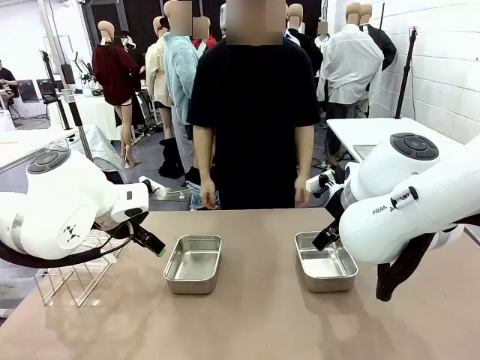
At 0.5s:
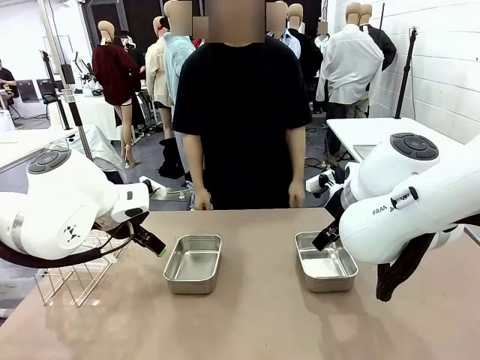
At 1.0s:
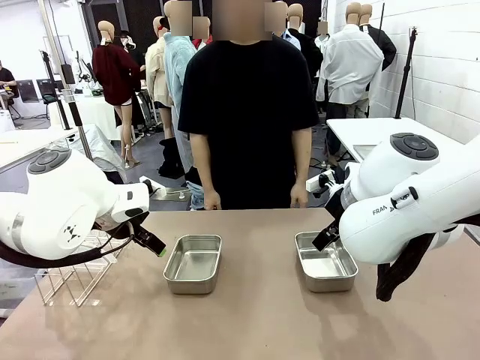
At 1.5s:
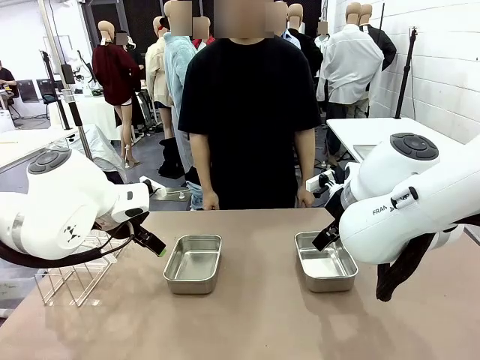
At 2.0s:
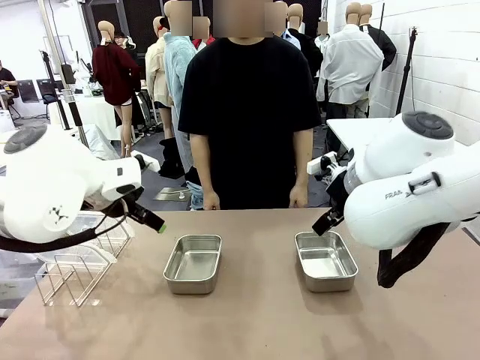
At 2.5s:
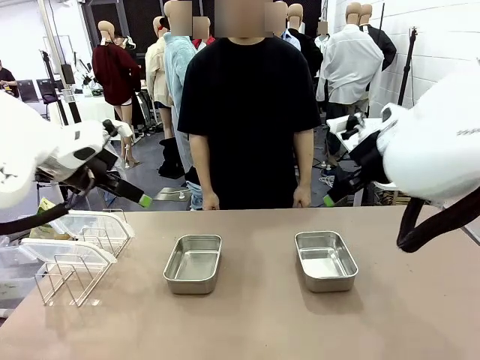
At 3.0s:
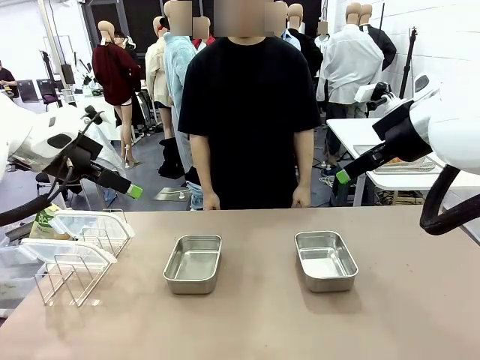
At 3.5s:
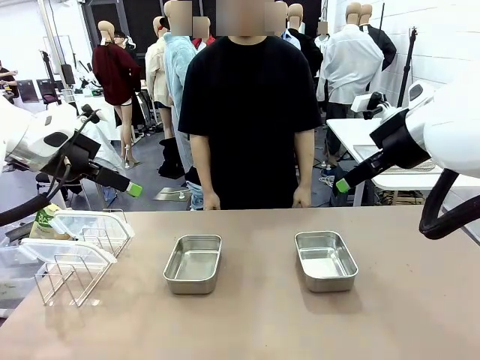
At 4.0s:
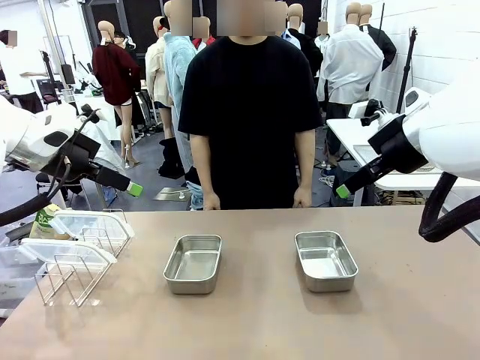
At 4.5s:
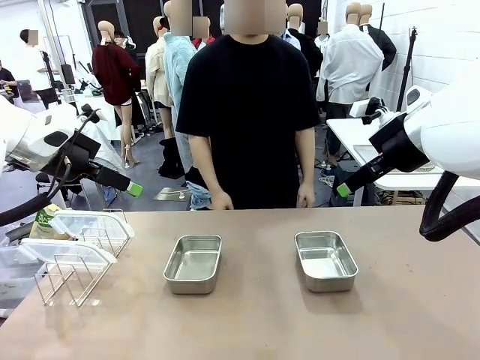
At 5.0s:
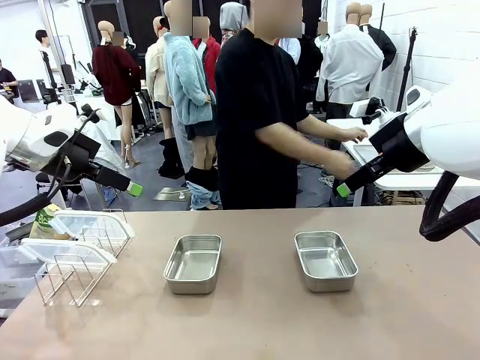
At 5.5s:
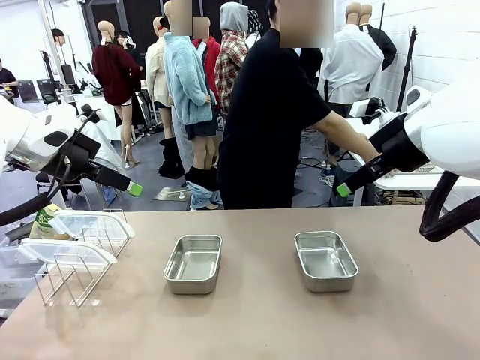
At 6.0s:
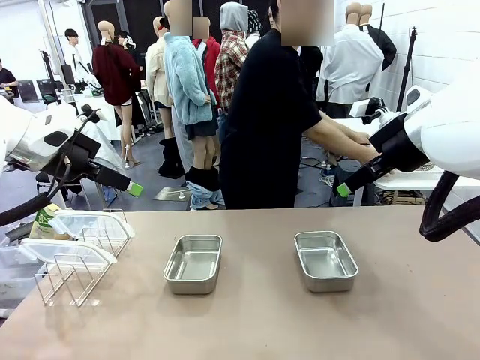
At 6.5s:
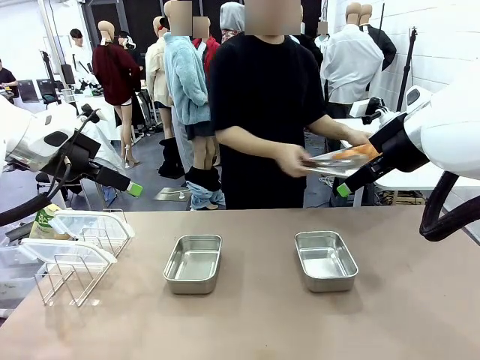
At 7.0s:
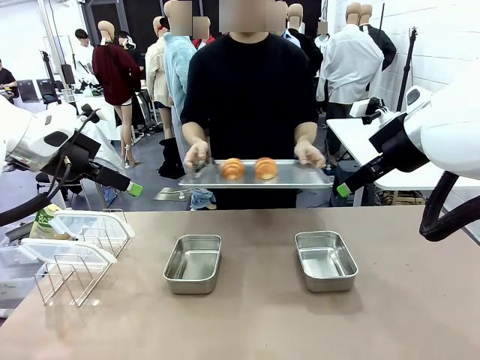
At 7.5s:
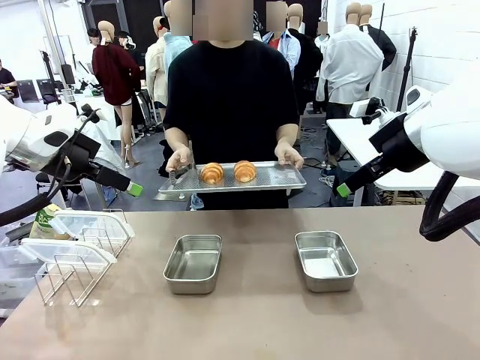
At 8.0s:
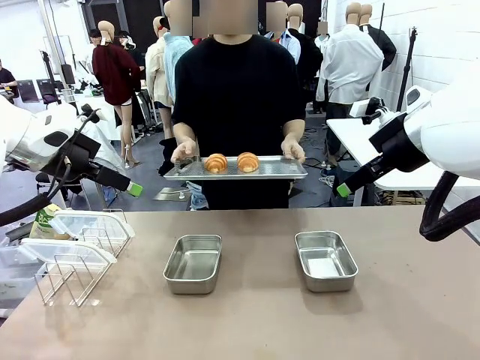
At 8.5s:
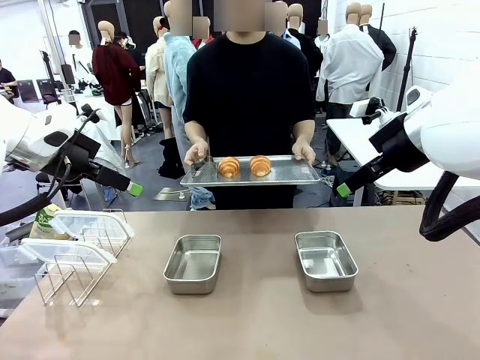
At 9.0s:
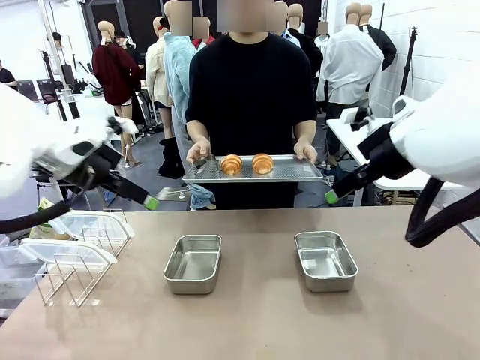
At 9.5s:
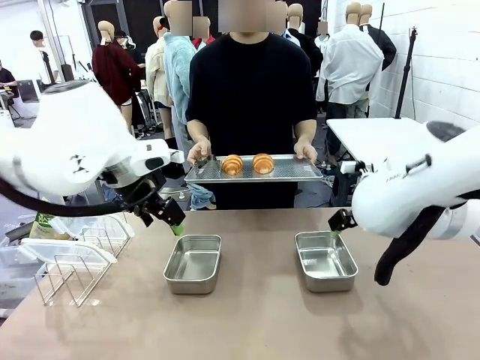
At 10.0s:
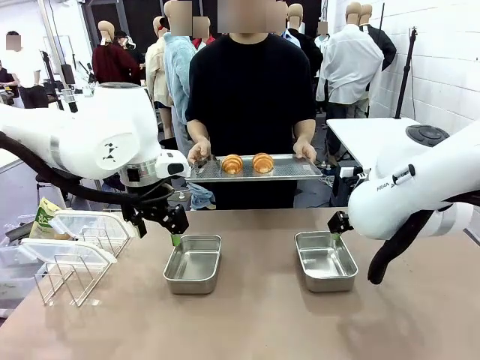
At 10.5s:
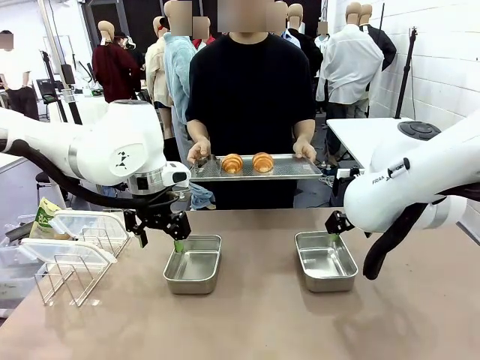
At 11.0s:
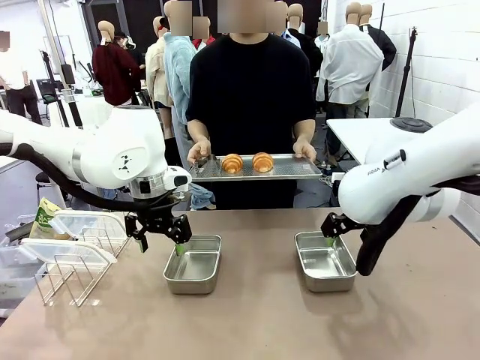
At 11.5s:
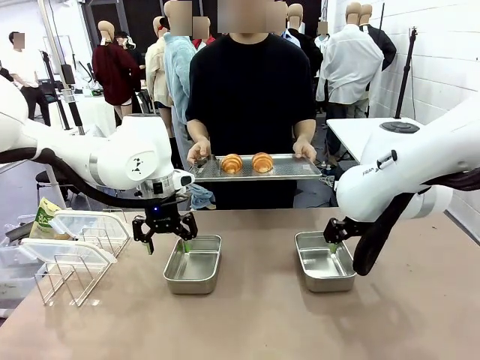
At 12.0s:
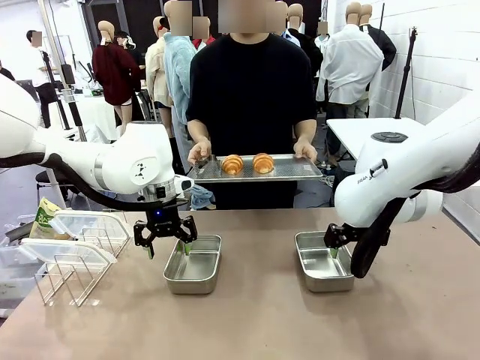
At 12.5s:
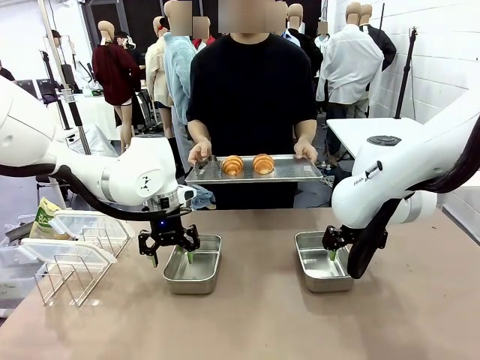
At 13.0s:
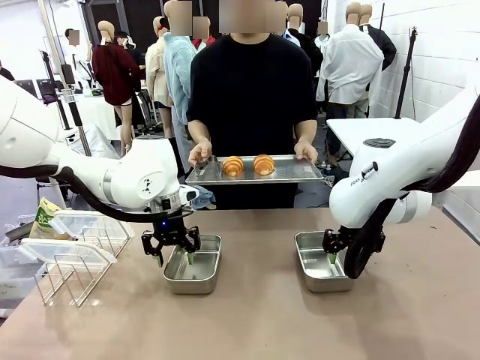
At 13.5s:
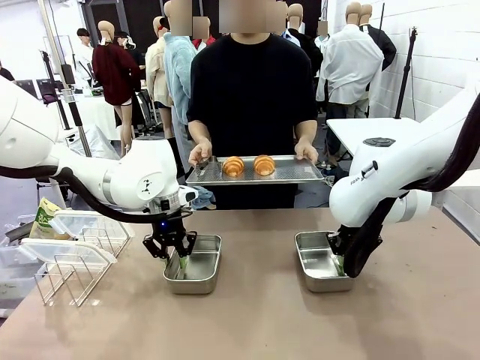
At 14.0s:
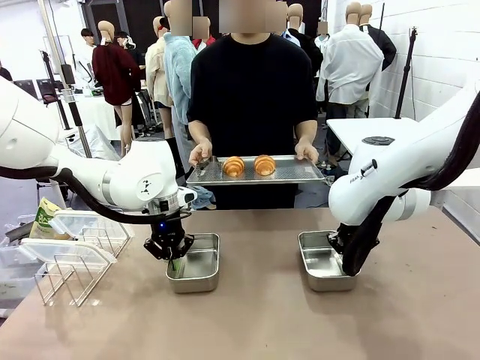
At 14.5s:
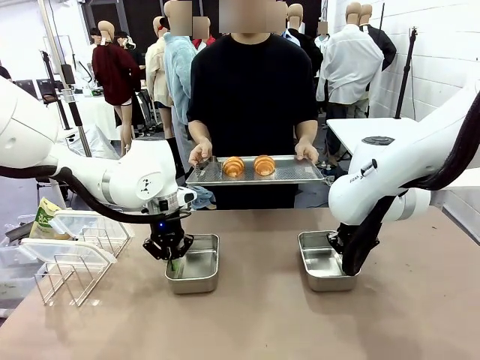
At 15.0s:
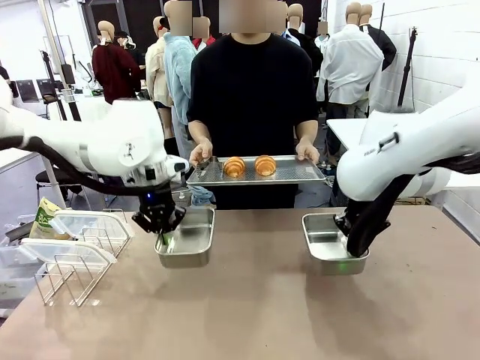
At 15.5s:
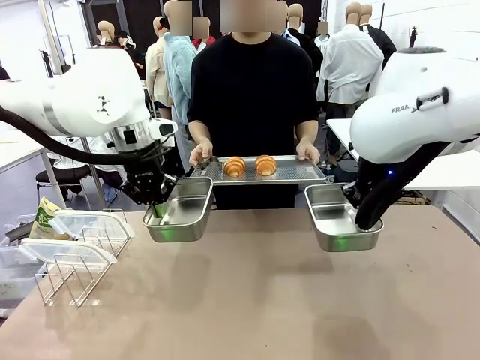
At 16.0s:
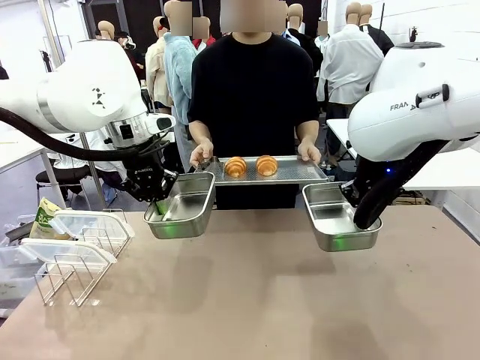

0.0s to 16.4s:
Task: Place the bread in airtight containers.
Robot: Lift both Airtight Container.
Person: Bring the Baking Sheet in front of Robot's Table.

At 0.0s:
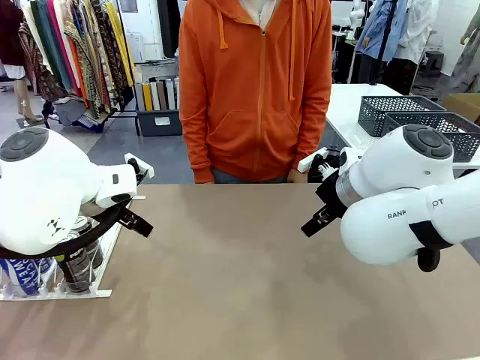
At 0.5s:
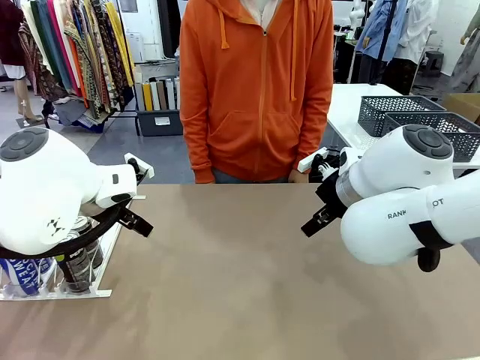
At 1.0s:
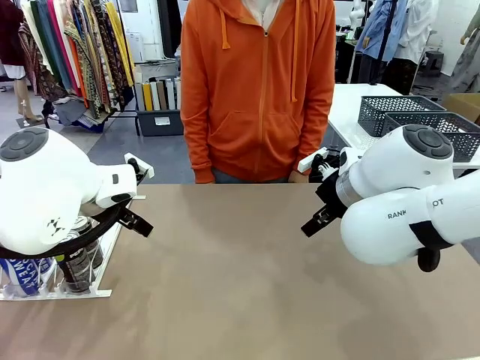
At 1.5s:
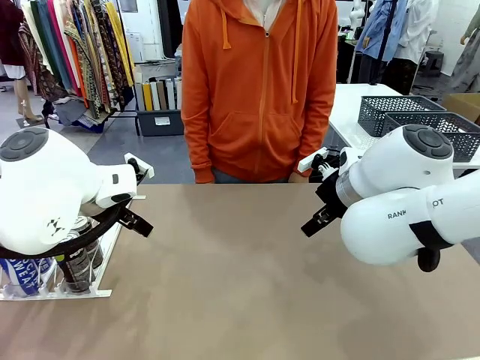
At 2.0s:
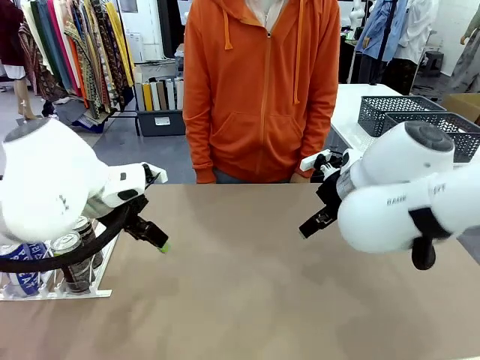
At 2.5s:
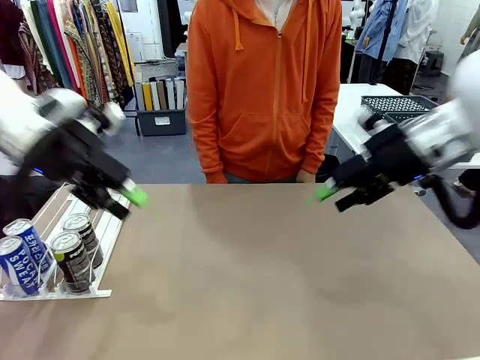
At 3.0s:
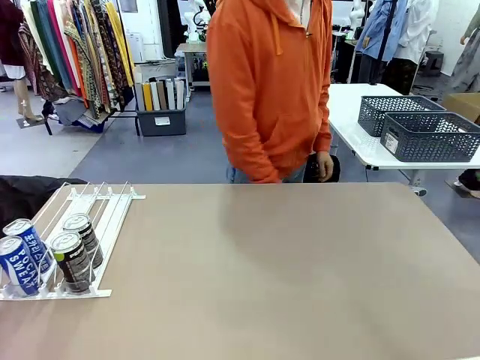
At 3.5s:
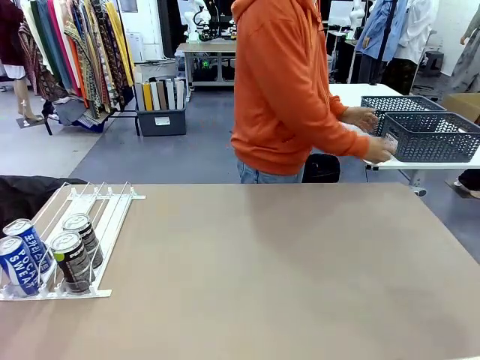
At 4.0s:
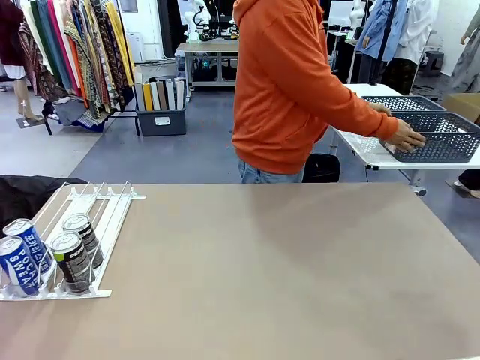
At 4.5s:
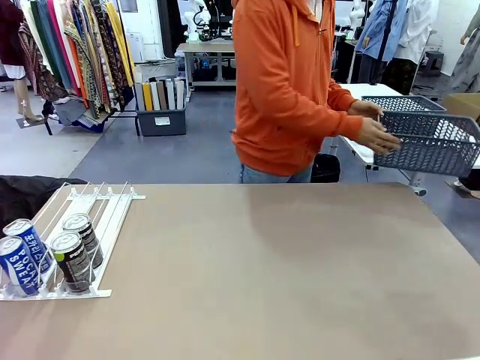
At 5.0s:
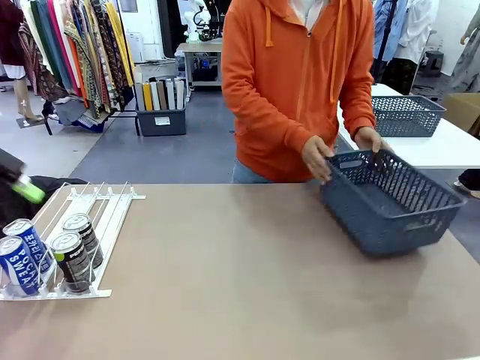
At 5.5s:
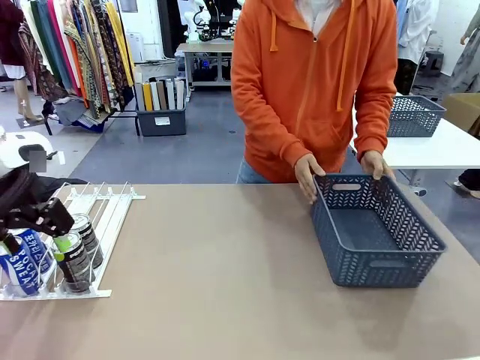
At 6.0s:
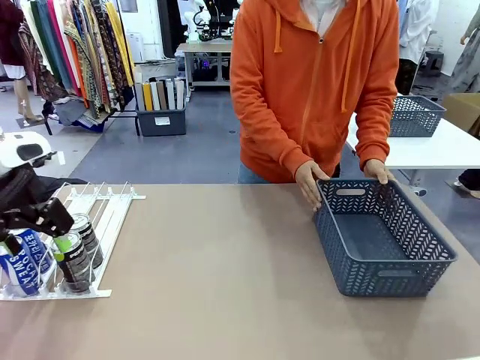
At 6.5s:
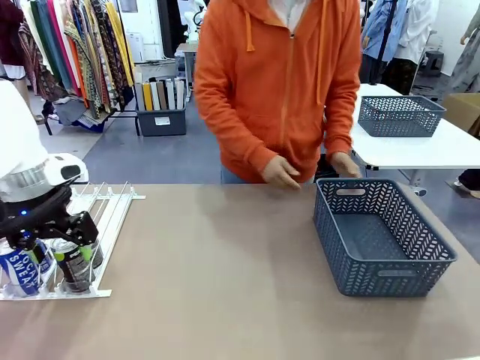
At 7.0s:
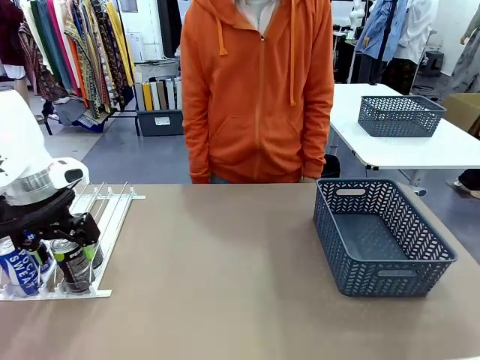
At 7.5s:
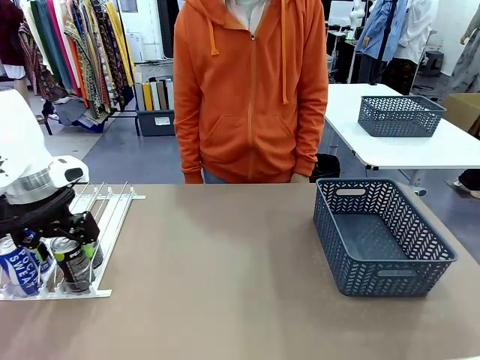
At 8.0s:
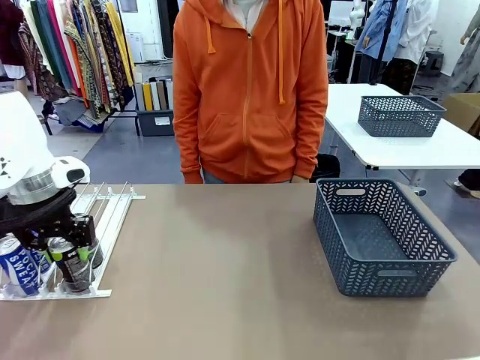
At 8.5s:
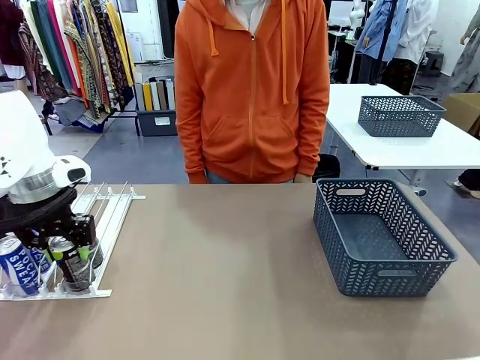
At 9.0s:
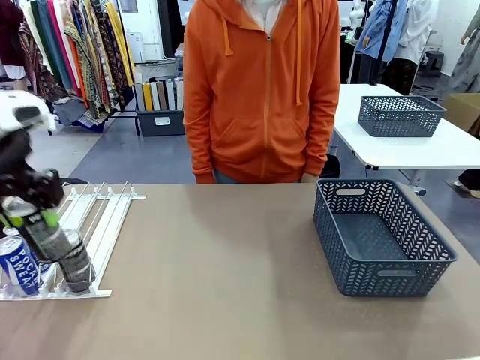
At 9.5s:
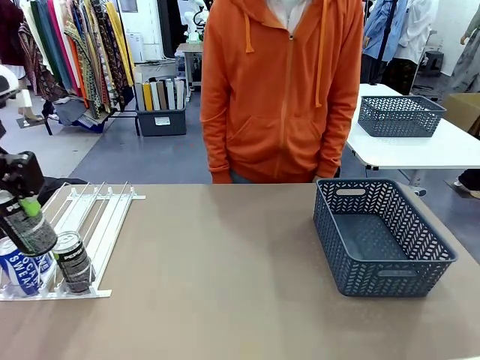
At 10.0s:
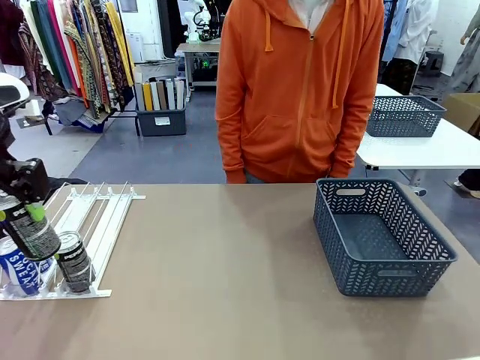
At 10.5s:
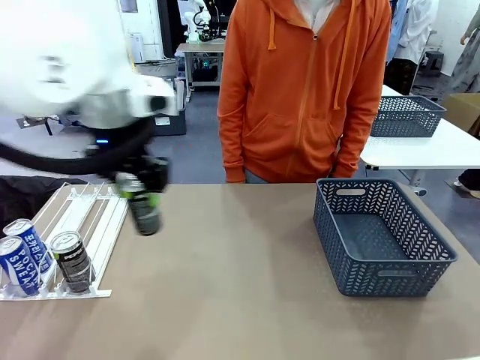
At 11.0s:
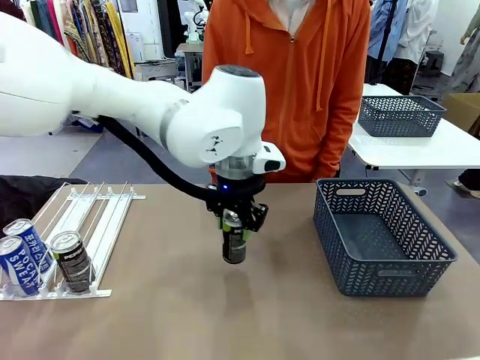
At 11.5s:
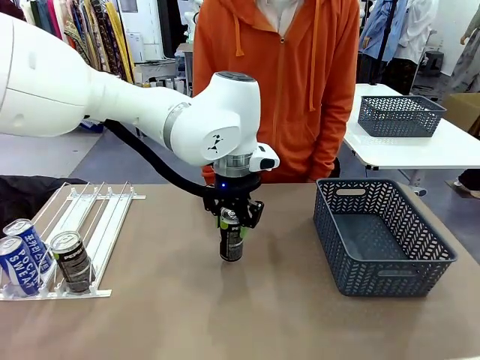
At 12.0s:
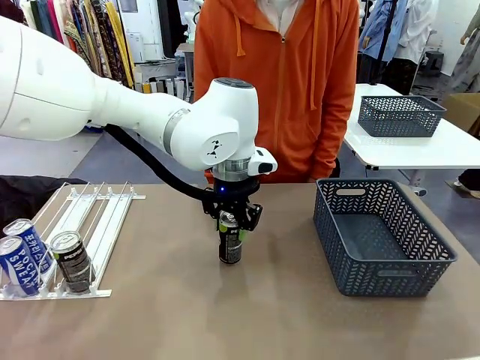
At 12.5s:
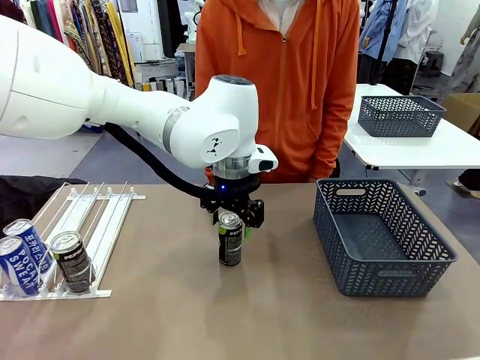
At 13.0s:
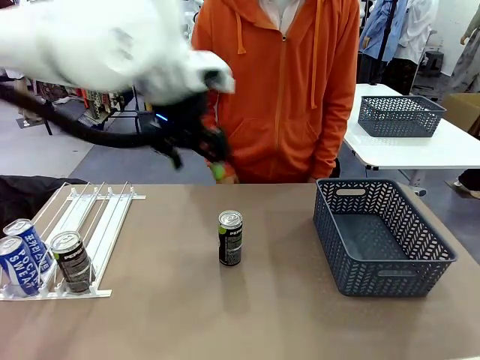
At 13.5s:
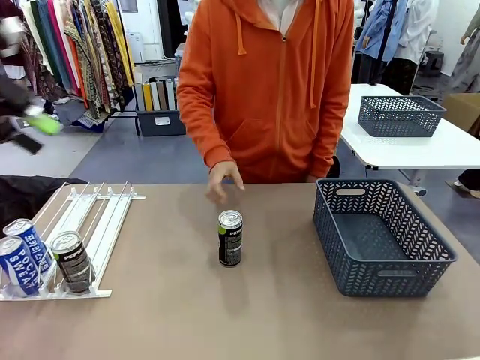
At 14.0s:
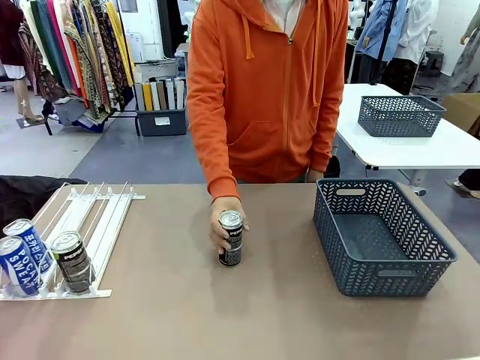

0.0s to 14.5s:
Task: Retrieve and store the cans from the dispenser.
Robot: Pick up one can from the Automatic Can Dispenser and place it in the middle of the table.
Person: Pick up the basket and place it on the left side of the robot table.
